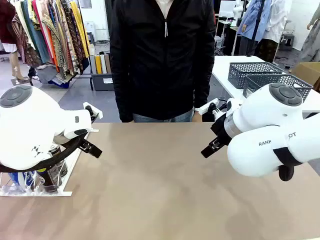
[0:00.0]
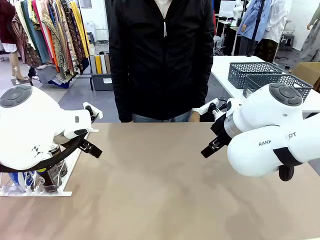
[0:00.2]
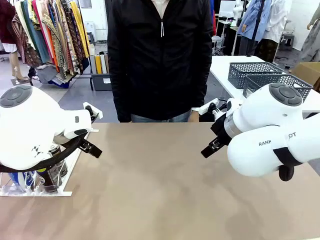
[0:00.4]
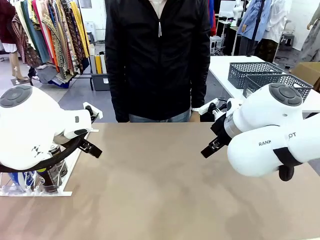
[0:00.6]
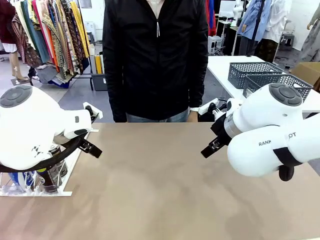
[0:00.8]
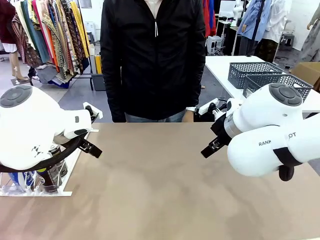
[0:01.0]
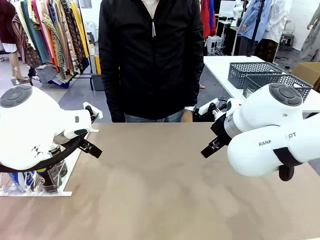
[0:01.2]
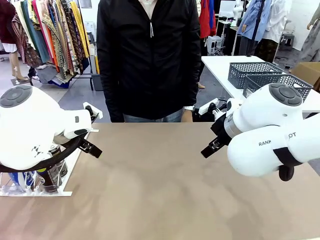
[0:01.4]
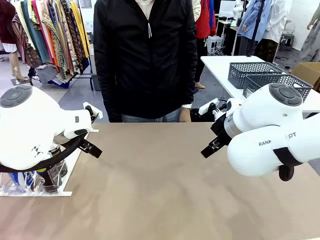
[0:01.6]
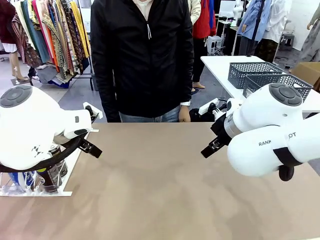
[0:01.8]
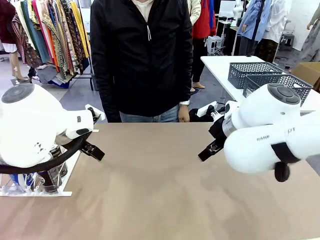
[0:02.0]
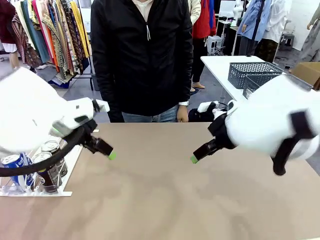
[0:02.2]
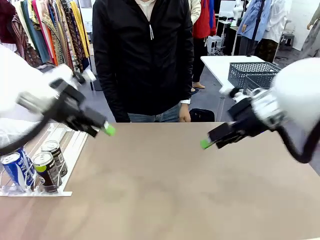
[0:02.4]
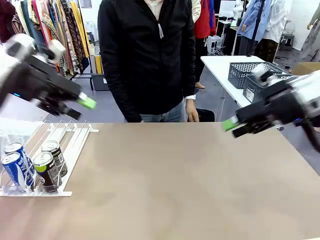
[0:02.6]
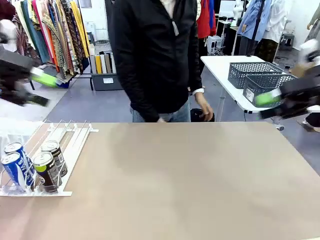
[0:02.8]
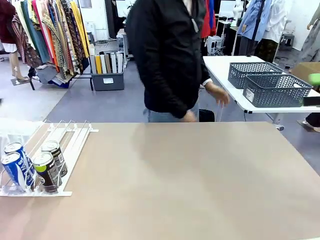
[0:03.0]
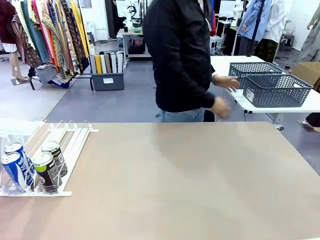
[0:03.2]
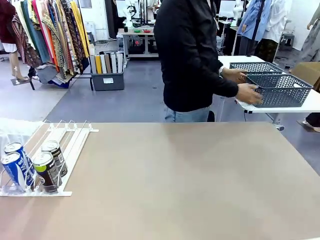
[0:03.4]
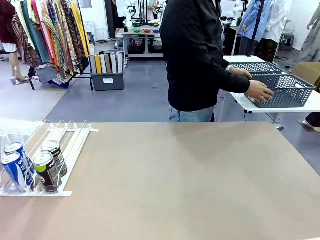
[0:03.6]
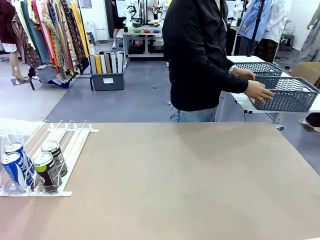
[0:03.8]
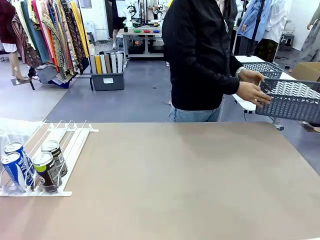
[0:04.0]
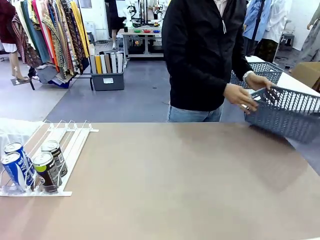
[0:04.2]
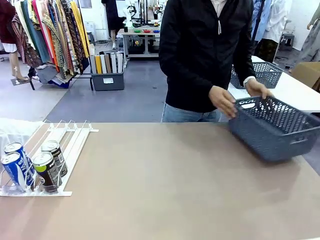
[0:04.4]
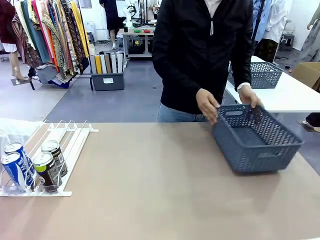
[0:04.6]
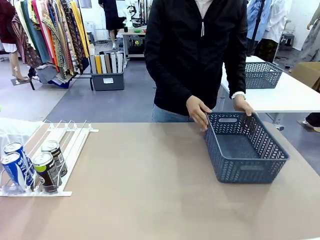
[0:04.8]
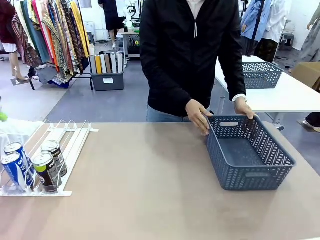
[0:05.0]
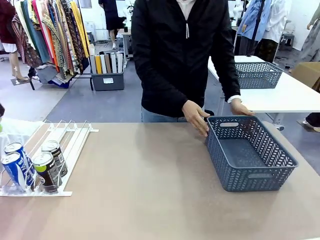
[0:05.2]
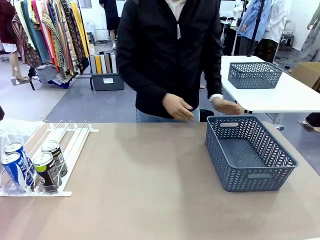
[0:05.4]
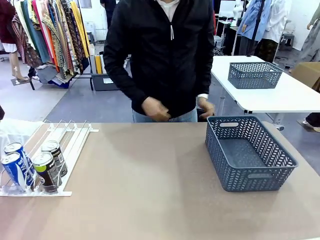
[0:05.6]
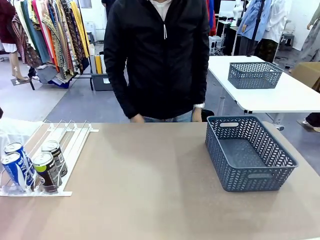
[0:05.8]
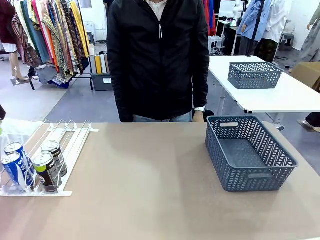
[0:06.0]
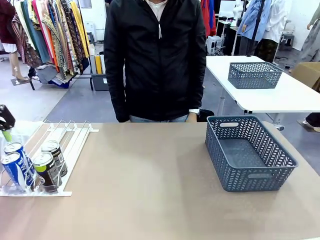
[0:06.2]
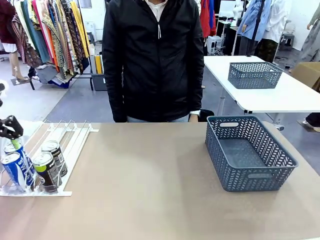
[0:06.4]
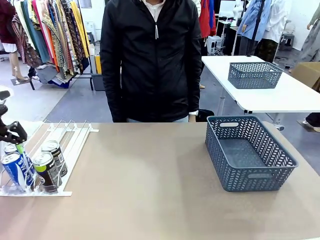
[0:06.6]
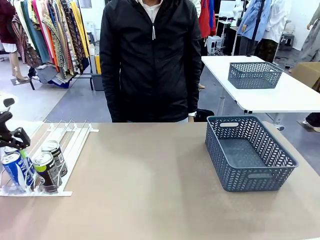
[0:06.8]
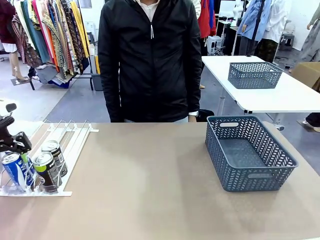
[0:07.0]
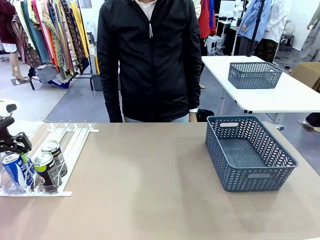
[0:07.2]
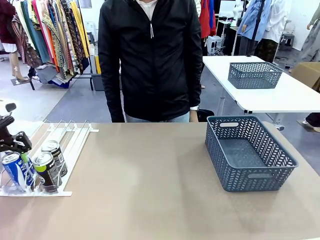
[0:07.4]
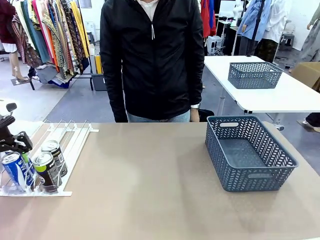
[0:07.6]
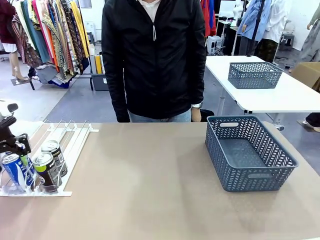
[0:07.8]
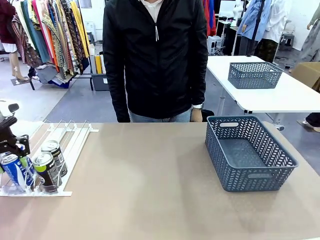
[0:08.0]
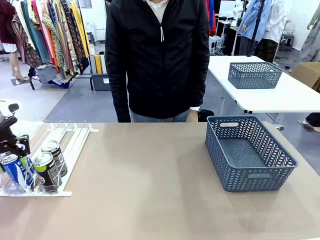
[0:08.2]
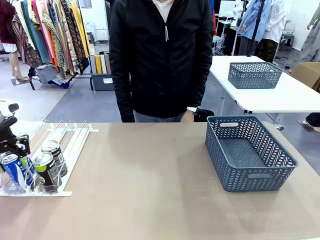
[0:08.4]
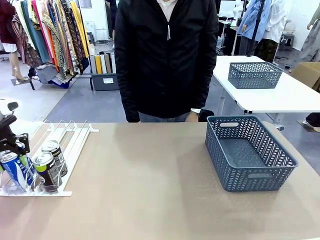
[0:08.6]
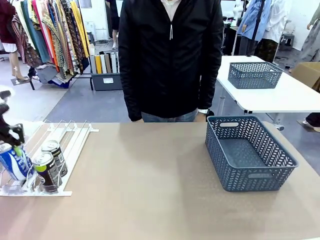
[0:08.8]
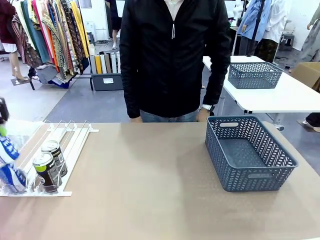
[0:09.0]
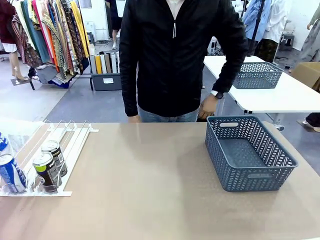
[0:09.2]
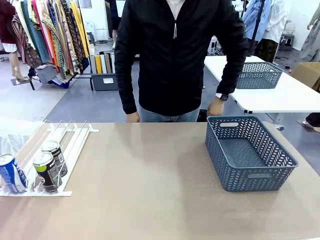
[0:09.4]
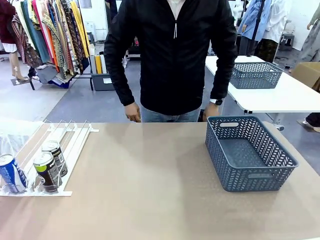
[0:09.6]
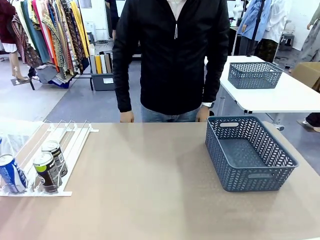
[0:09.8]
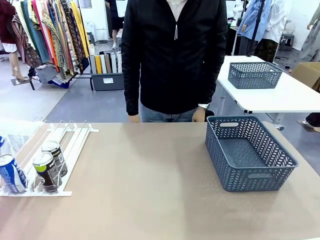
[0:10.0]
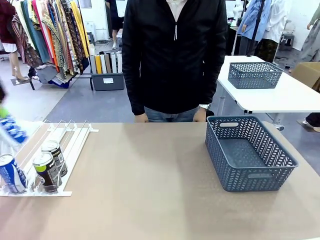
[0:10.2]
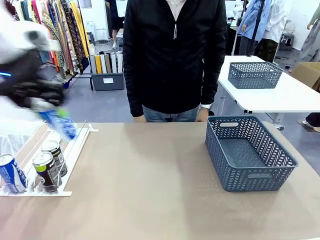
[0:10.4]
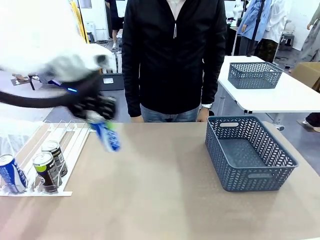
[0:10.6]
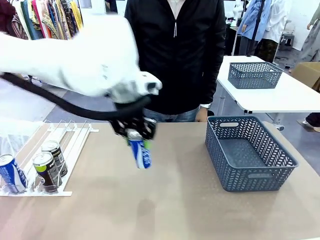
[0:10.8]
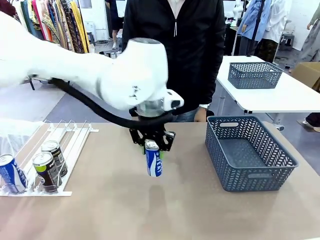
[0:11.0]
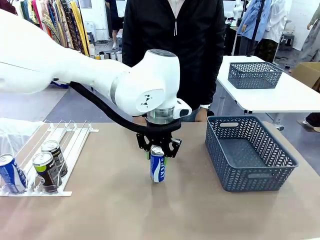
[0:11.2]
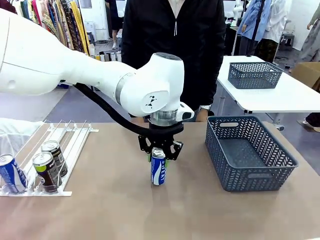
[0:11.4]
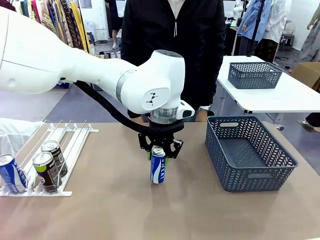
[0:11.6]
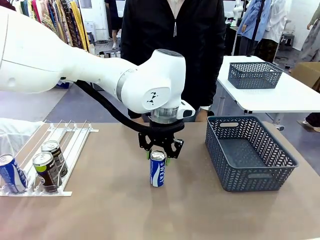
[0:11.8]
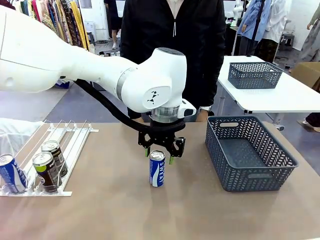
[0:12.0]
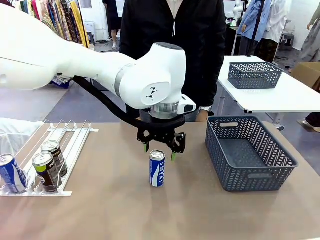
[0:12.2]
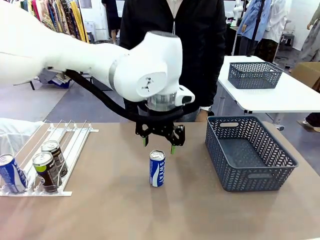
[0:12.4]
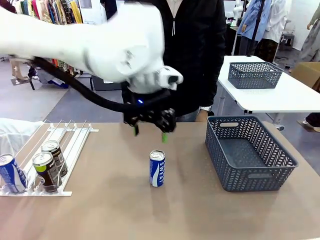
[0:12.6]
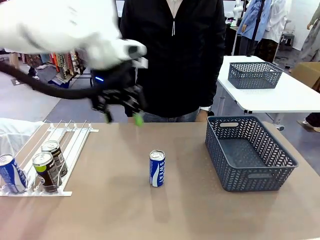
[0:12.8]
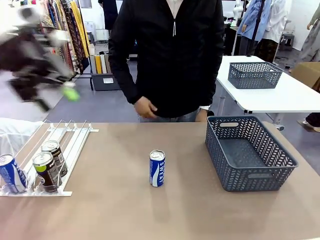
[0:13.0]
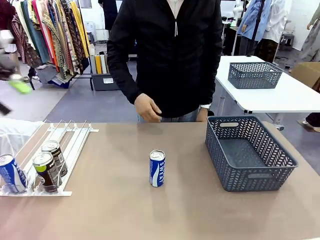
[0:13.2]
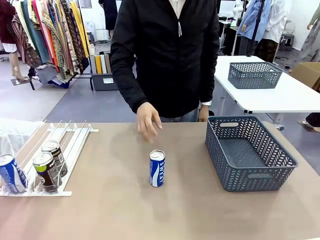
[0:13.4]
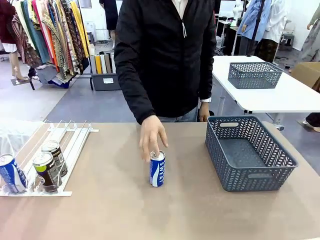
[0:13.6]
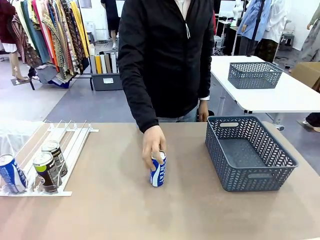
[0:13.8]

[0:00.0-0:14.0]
Task: Retrieve and store the cans from the dispenser.
Robot: Pick up one can from the Automatic Can Dispenser and place it in the middle of the table.
Person: Pick up the basket and place it on the left side of the robot table.

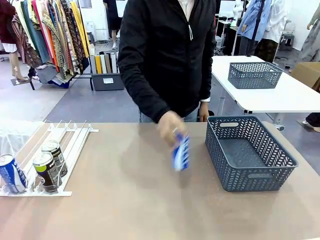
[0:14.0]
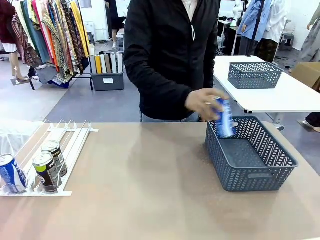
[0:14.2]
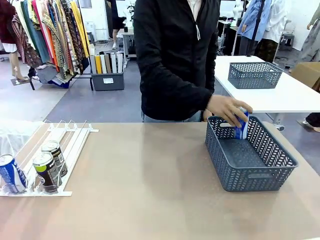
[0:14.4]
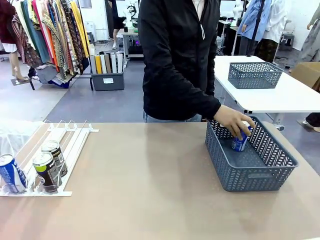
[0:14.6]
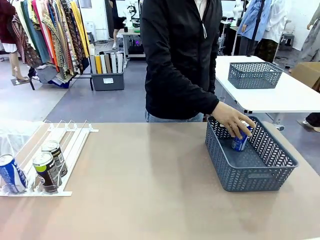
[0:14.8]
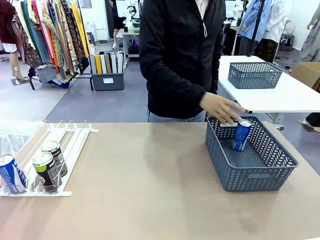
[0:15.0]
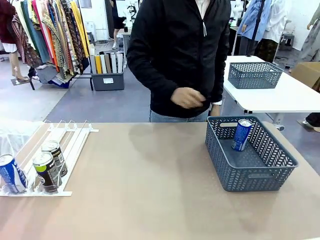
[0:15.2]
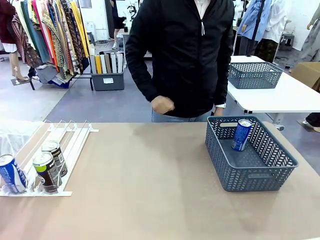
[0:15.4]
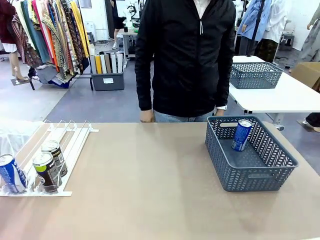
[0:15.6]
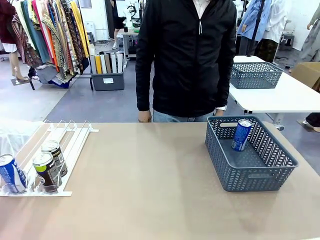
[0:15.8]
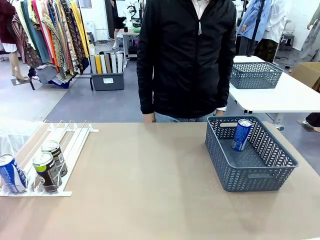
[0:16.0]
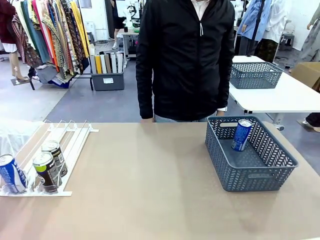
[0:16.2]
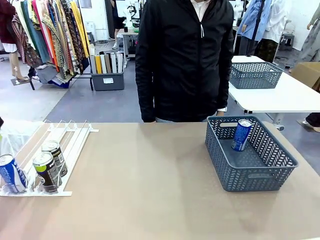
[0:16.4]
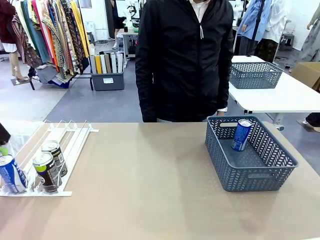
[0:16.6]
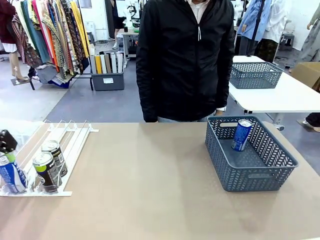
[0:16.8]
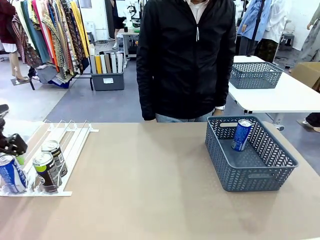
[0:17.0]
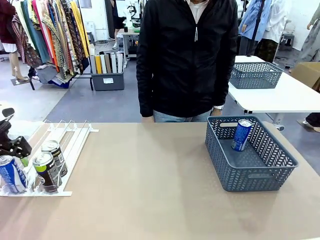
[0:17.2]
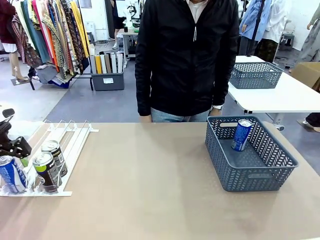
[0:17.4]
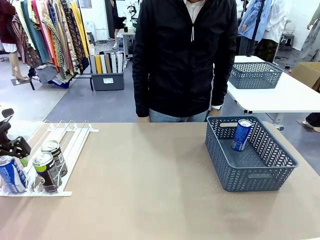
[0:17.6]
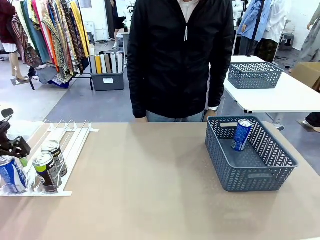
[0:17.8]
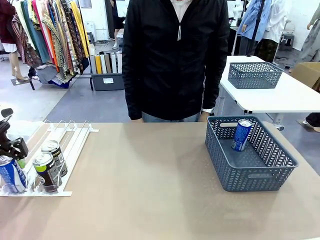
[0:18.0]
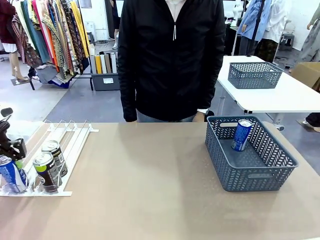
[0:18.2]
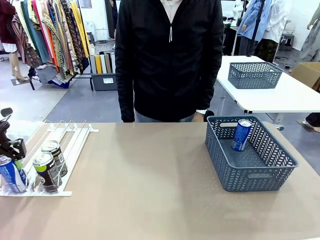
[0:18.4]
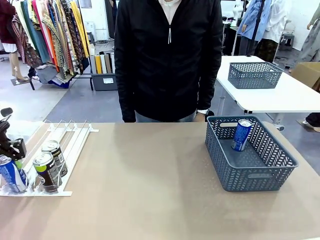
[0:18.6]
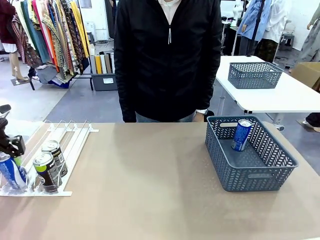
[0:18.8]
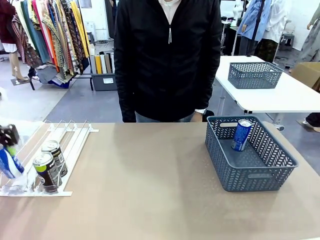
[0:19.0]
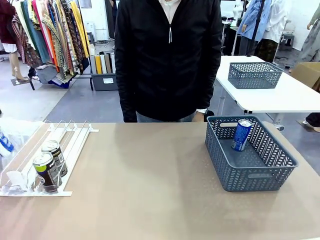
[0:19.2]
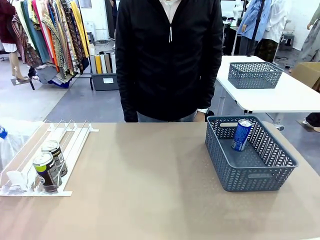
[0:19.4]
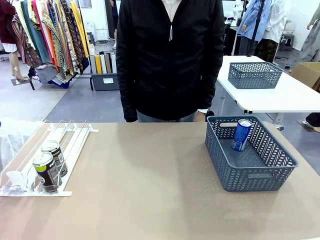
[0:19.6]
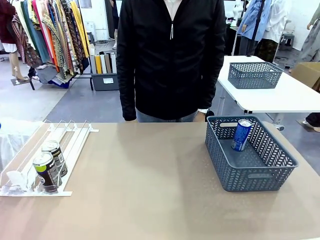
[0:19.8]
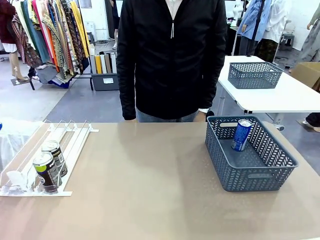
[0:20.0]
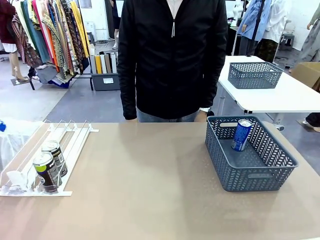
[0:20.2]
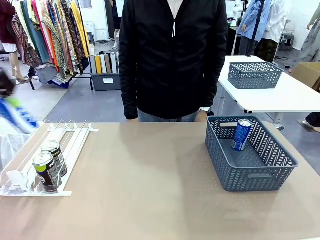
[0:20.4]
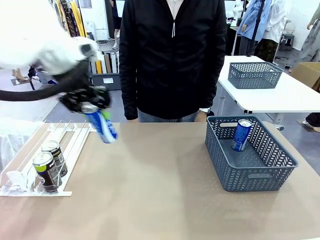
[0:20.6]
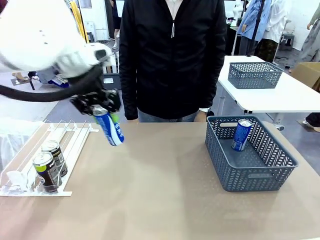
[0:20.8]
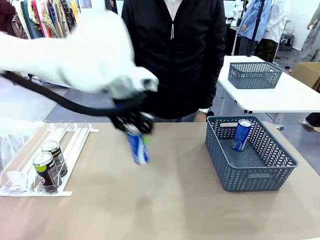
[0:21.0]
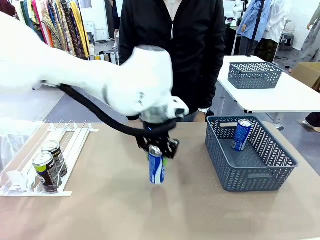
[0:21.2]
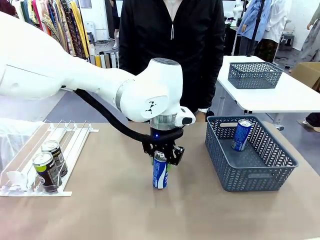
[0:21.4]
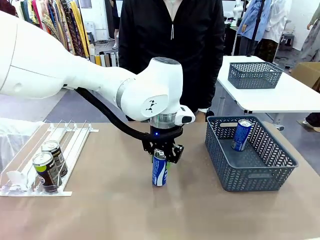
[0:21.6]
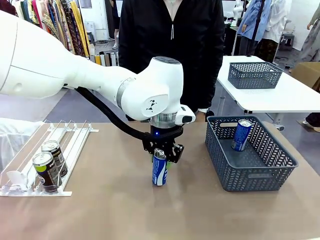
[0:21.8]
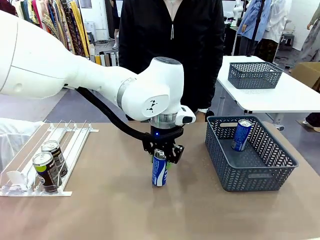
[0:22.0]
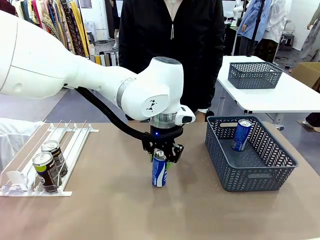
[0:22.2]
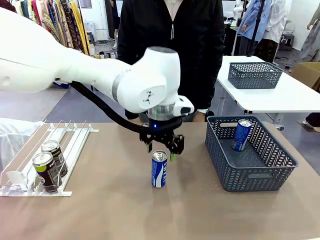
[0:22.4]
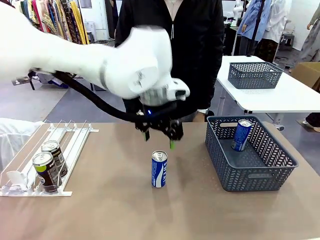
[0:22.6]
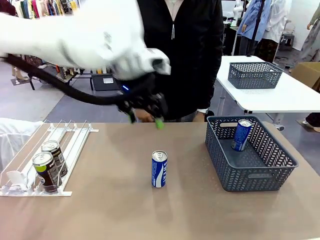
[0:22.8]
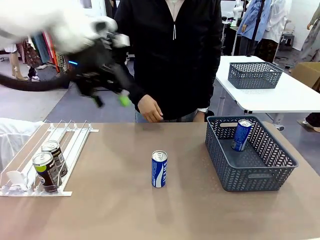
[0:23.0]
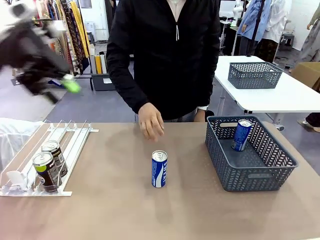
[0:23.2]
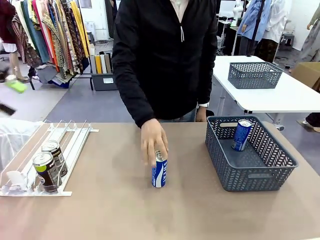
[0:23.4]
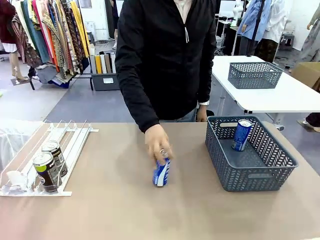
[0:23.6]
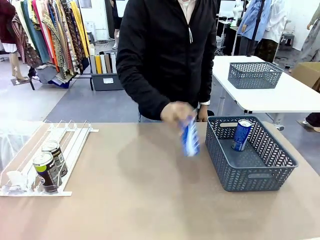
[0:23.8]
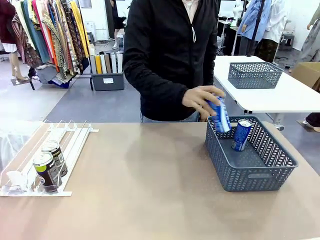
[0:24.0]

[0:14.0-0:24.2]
Robot: Pick up the last remaining can from one row of the Automatic Can Dispenser and place it in the middle of the table.
Person: Pick up one Pepsi can from the middle of the robot table and place it in the basket.
